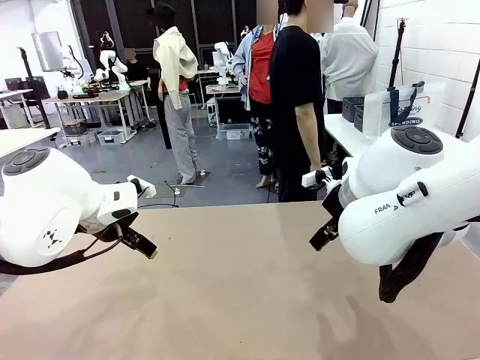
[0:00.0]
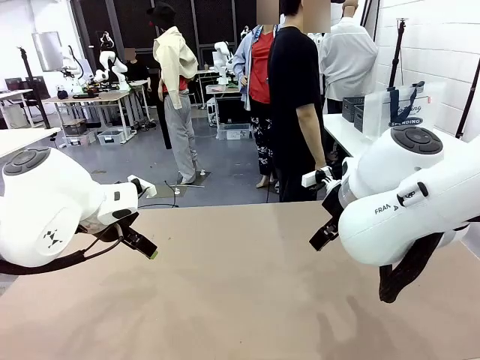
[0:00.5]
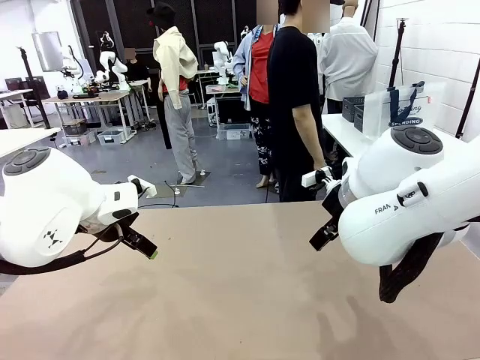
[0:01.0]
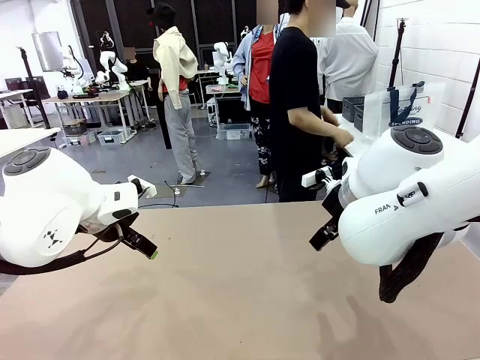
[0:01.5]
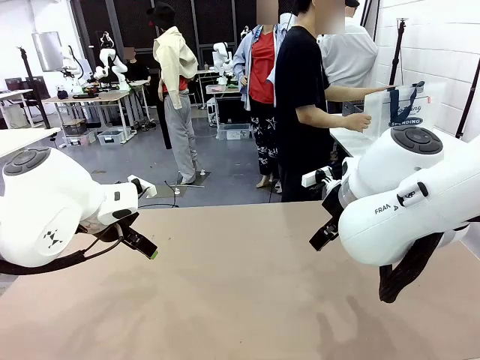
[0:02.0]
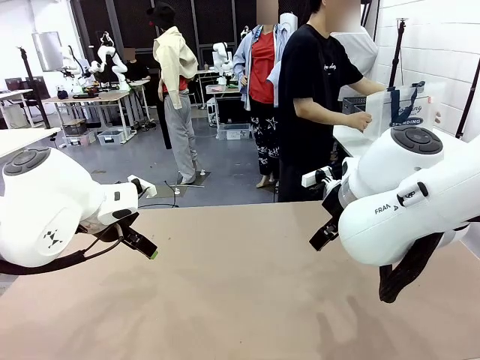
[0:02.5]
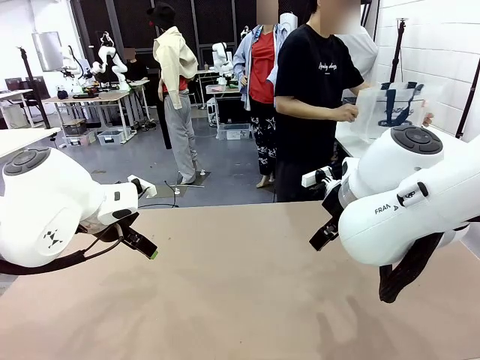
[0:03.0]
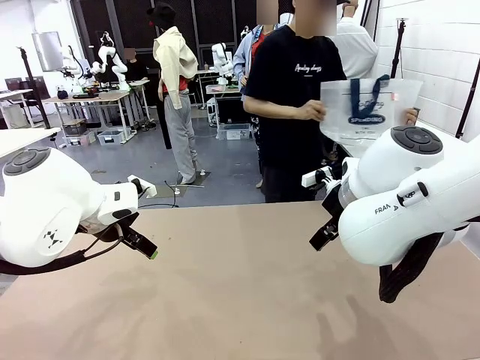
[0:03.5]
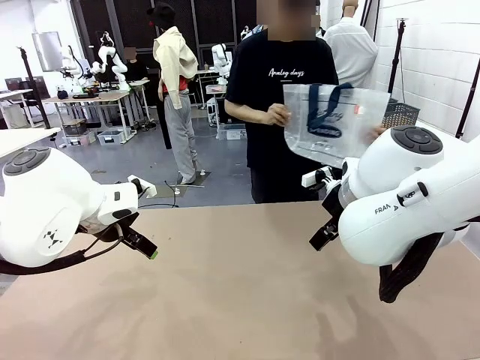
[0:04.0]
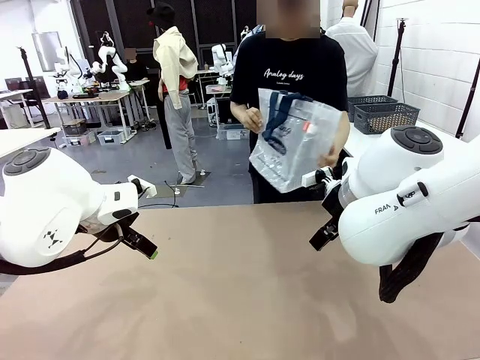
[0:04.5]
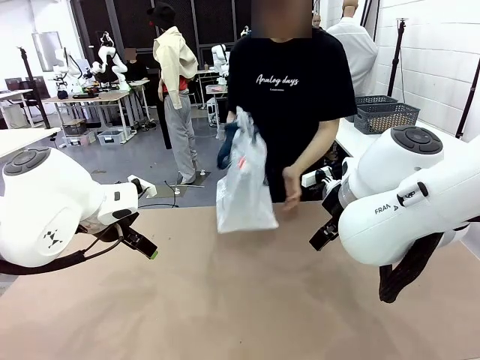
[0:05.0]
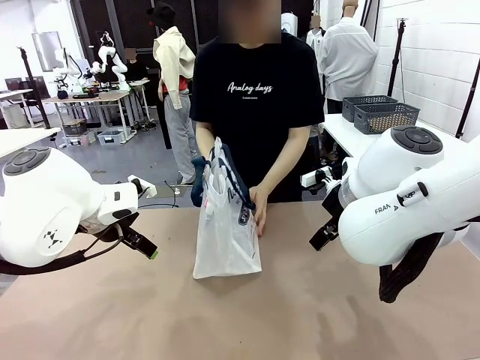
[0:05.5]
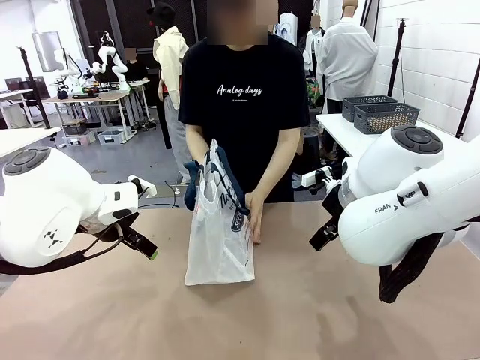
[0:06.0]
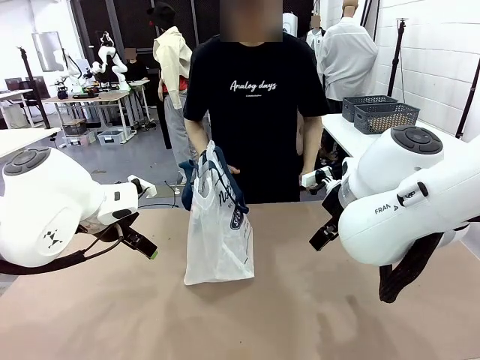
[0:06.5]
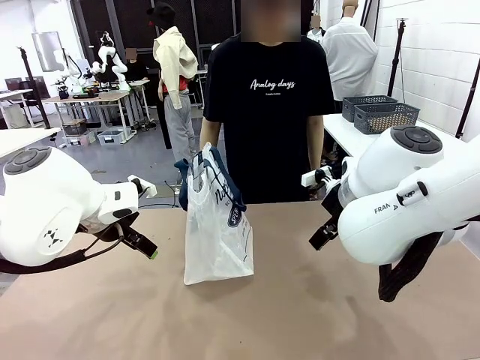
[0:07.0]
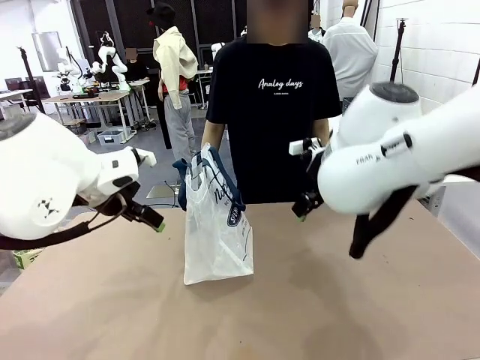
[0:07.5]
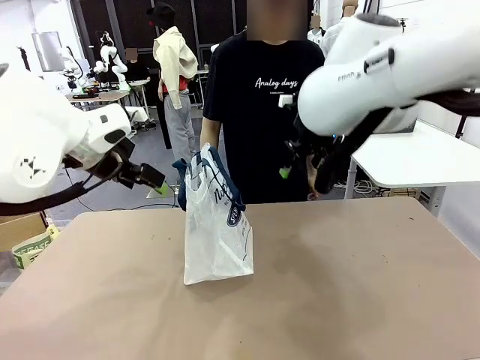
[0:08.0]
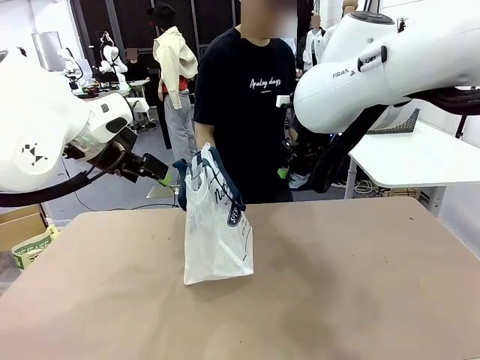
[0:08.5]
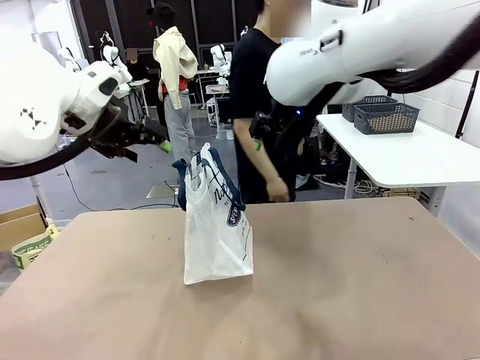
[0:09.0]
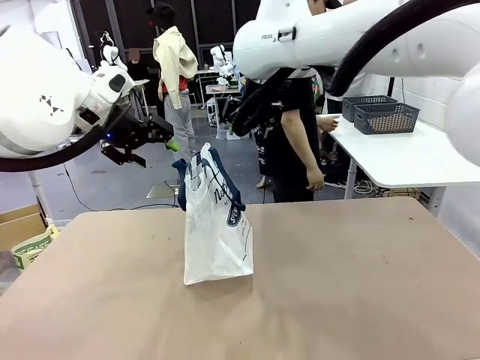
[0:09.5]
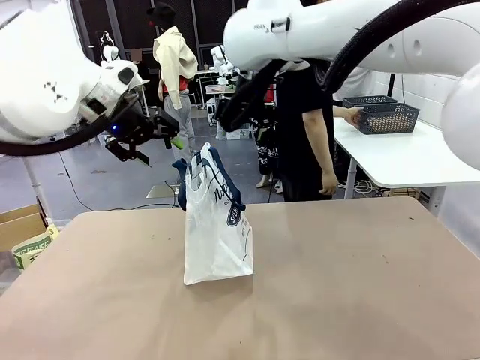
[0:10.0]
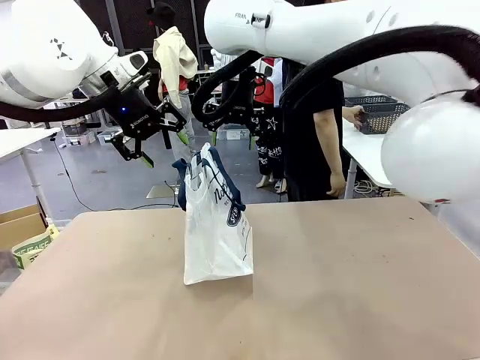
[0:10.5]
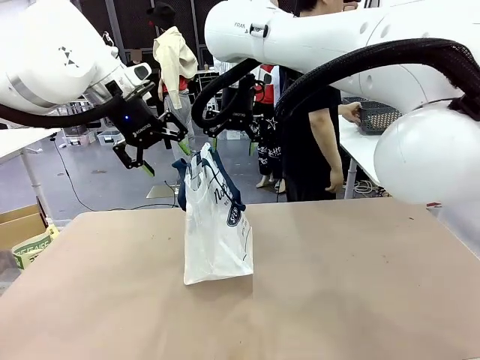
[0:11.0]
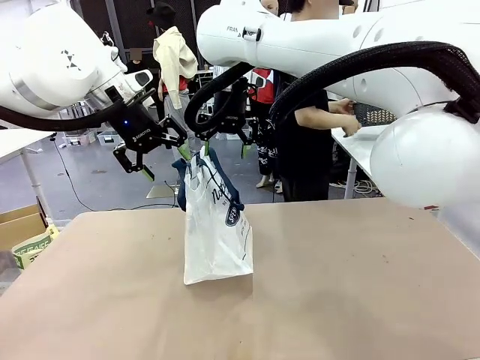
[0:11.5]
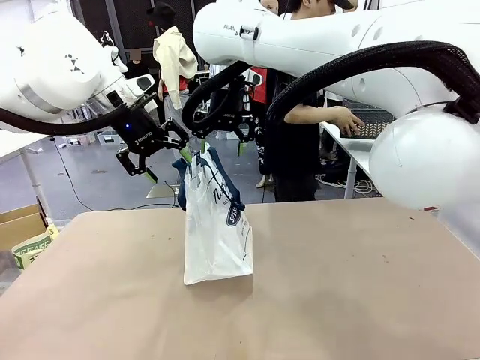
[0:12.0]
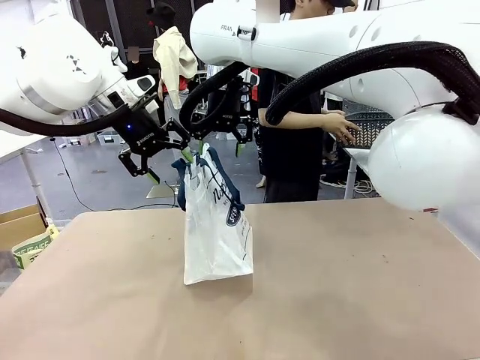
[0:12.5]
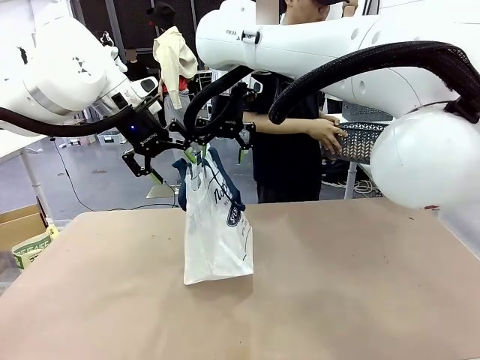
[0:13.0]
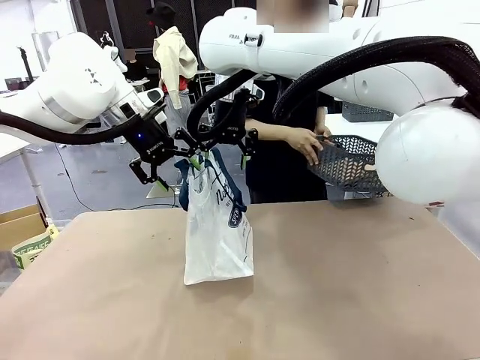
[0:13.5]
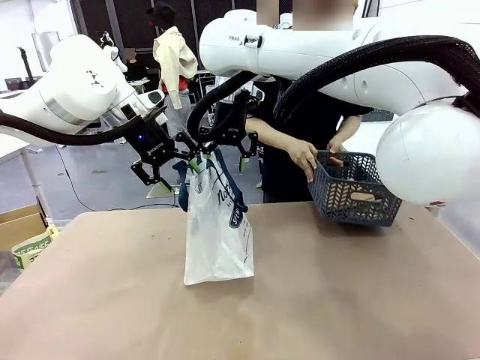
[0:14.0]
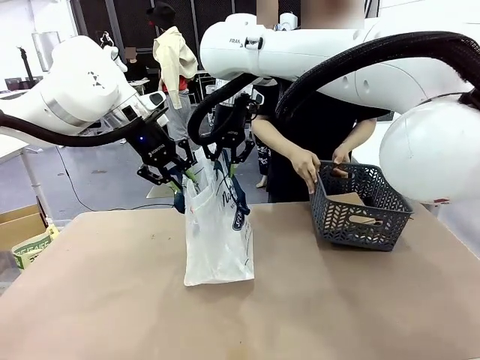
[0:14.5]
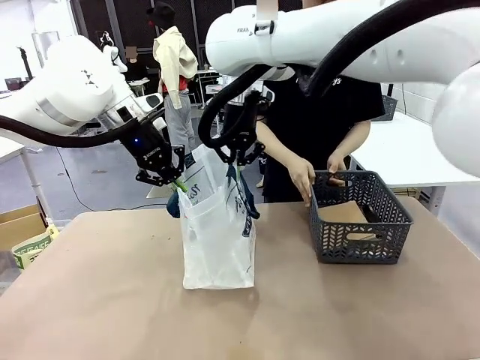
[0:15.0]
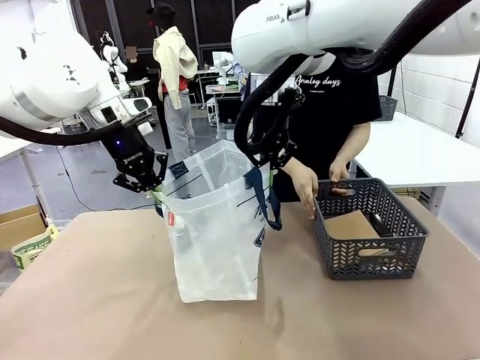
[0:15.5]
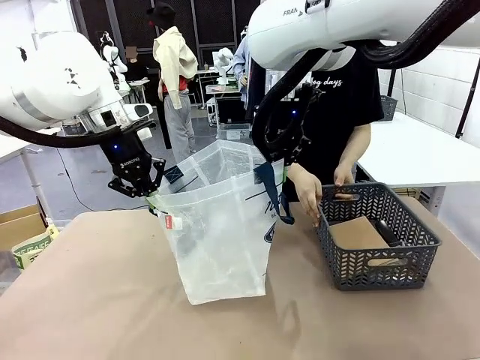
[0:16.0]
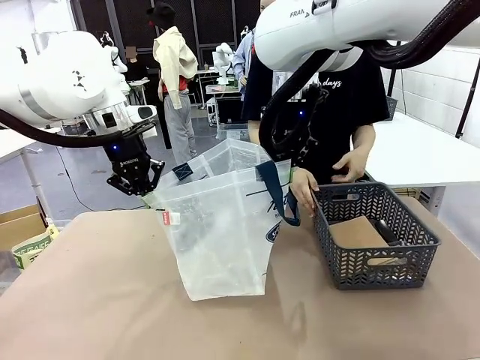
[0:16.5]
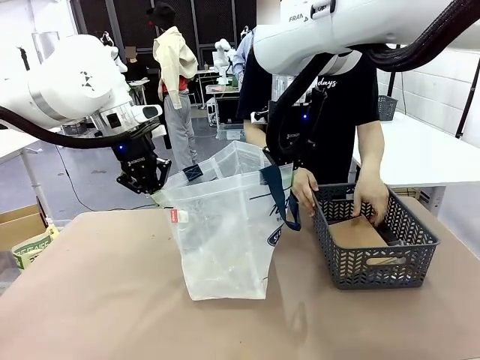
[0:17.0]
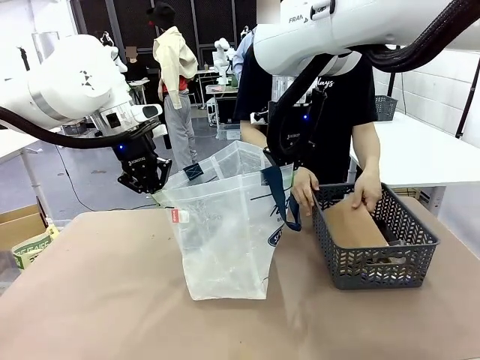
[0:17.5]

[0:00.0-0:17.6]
Task: Transfer purchased items from the store into the shopping bag.
Robot: Open the Reusable shopping bag in the center of the table.
Person: Pick up the shopping bag and place it in the middle of the robot table.

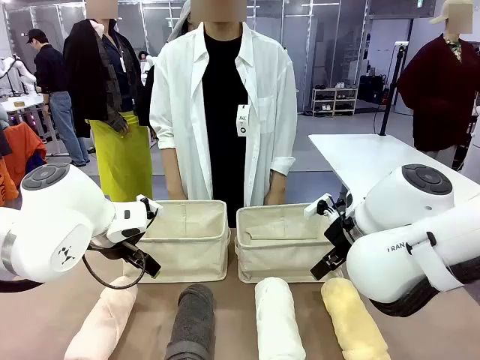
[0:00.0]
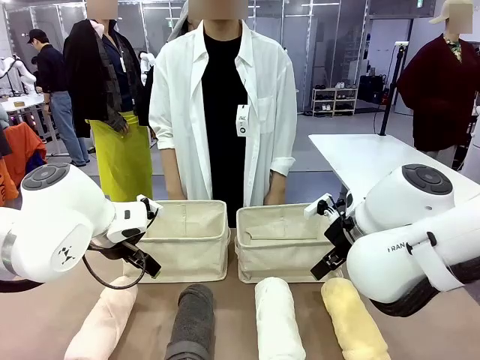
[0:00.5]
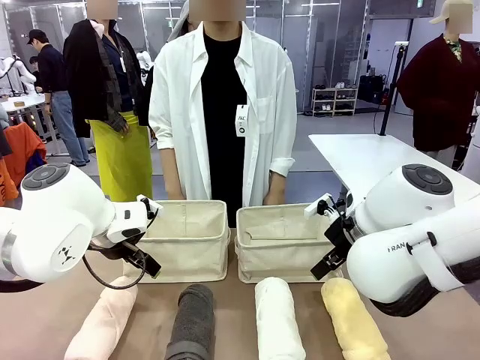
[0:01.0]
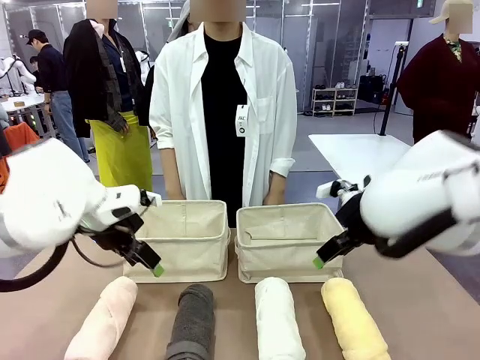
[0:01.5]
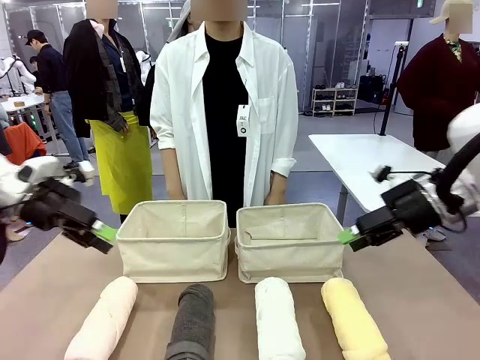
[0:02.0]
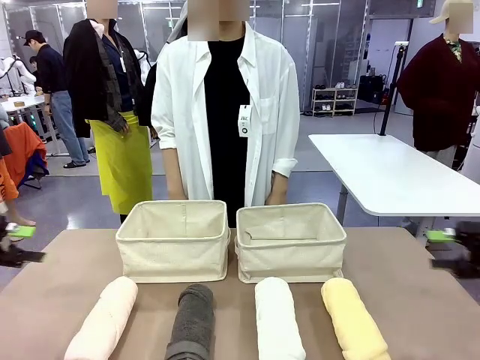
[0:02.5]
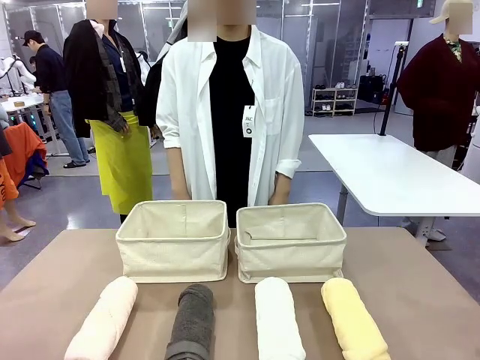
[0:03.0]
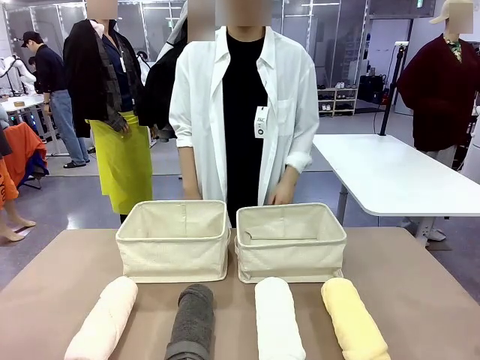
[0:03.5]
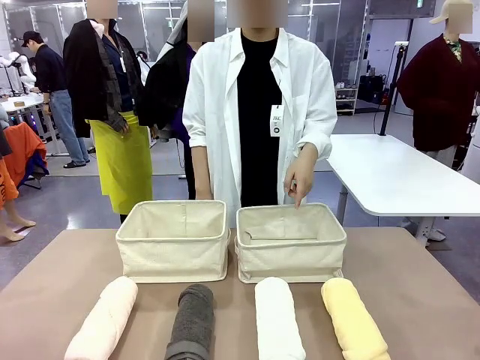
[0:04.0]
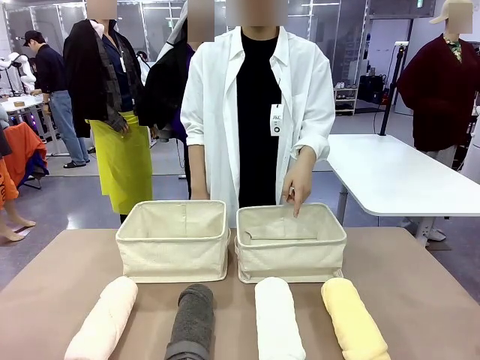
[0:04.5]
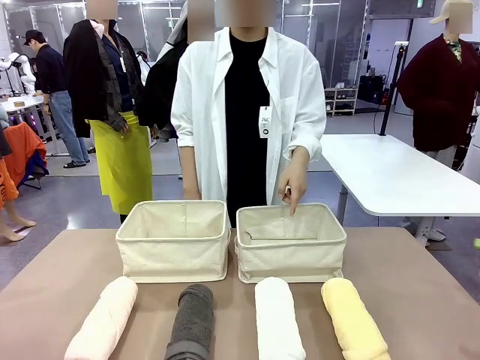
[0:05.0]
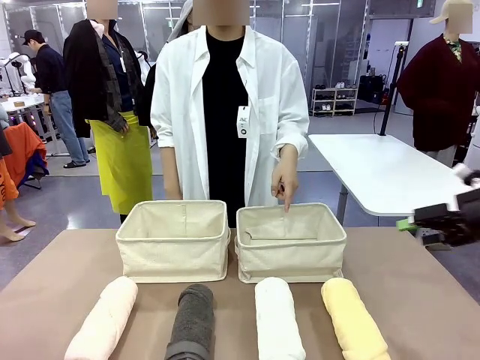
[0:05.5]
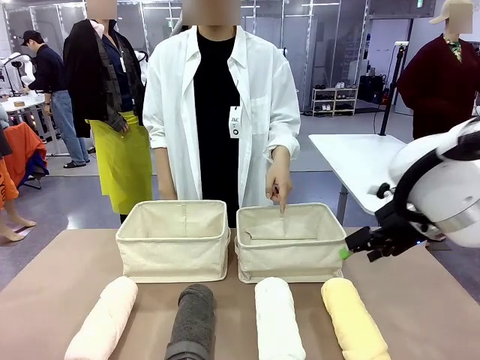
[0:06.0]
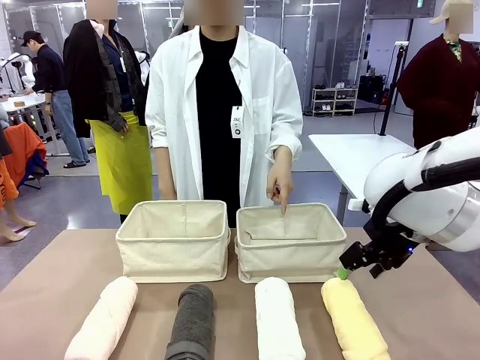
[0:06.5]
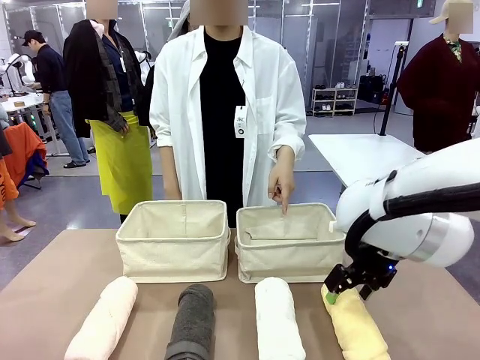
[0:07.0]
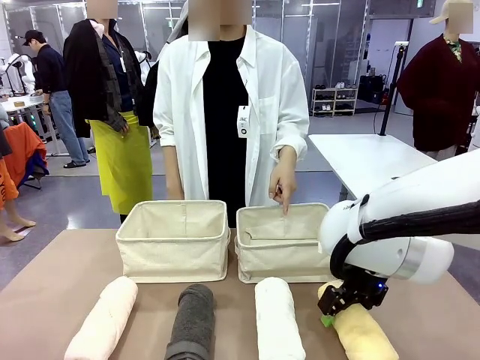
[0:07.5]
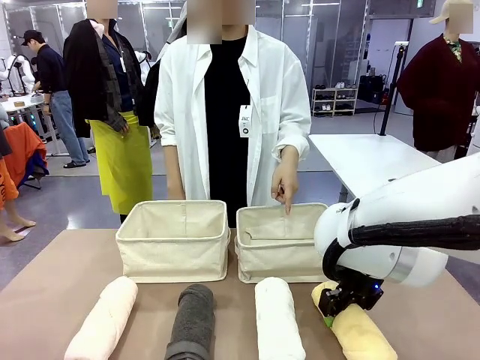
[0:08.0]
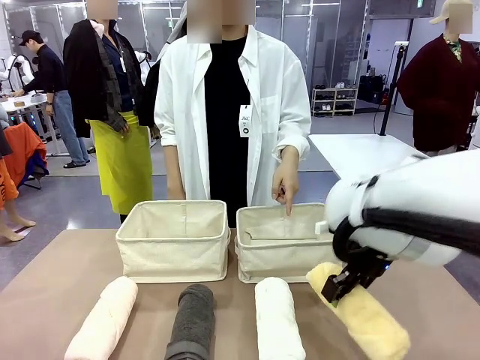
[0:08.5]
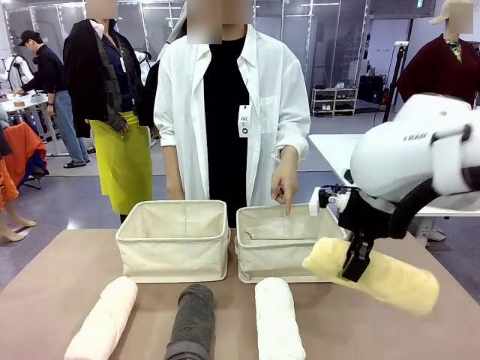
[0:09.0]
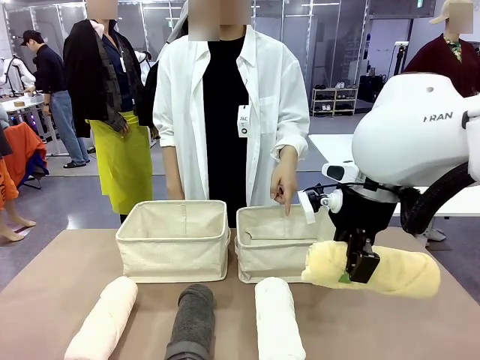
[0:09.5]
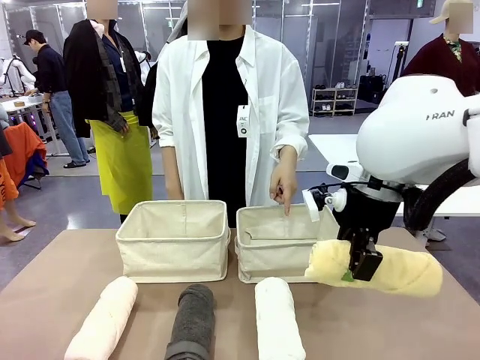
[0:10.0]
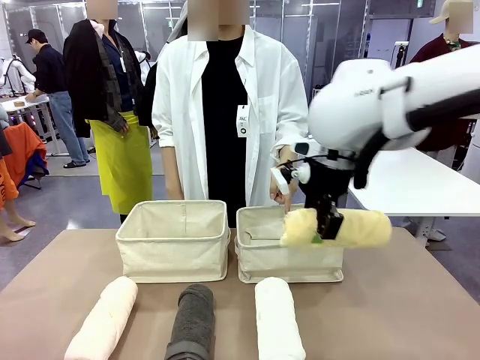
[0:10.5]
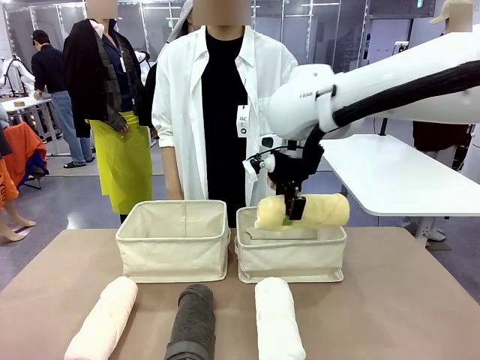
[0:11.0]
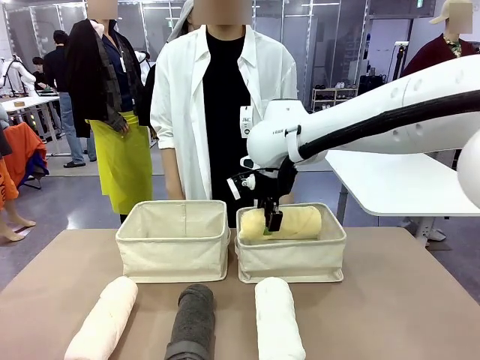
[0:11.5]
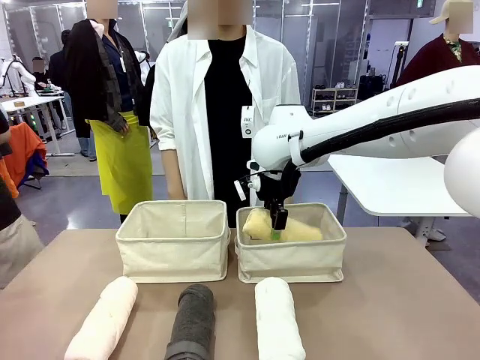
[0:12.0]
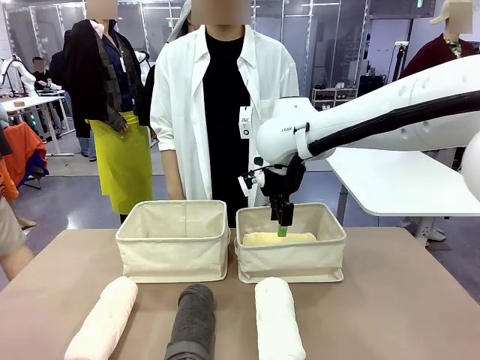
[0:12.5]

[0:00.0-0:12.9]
Task: Divide the towels into two baskets.
Robot: Pick up one hotel-folded towel and place it in the Fabric basket indicated by the person.
